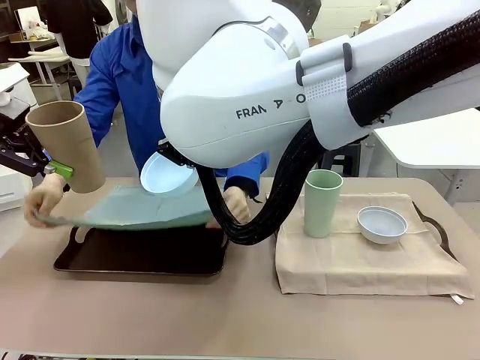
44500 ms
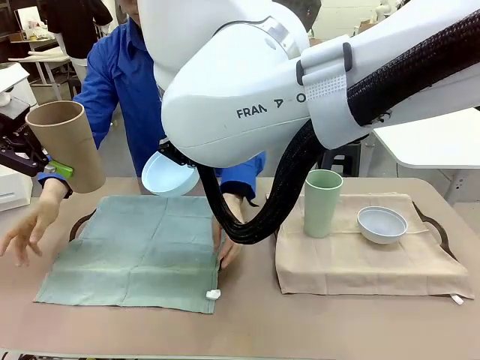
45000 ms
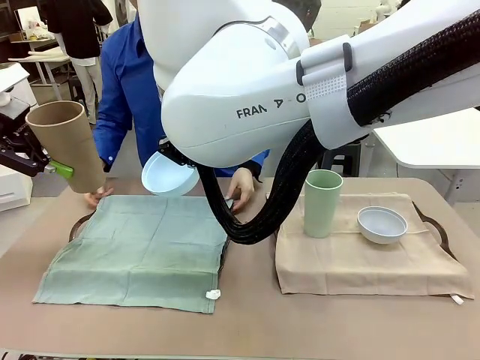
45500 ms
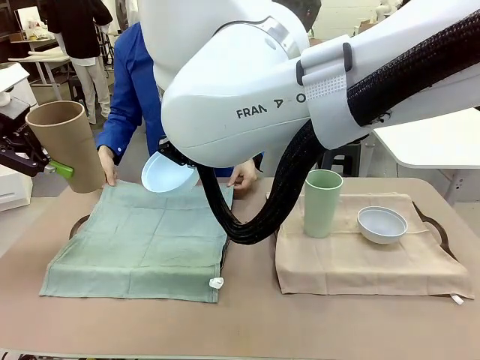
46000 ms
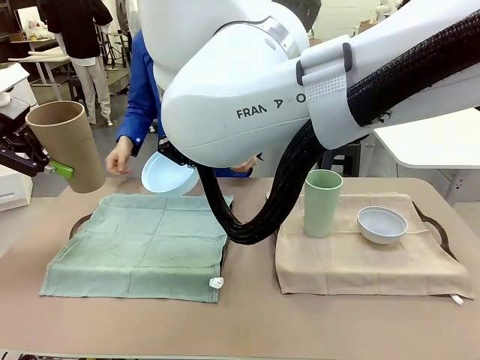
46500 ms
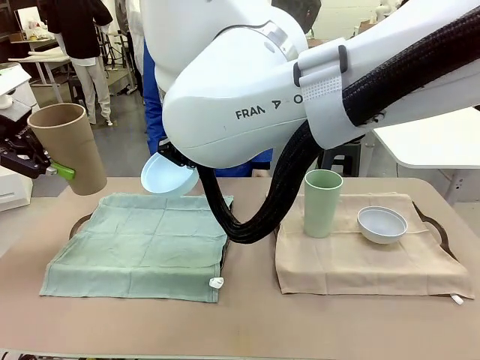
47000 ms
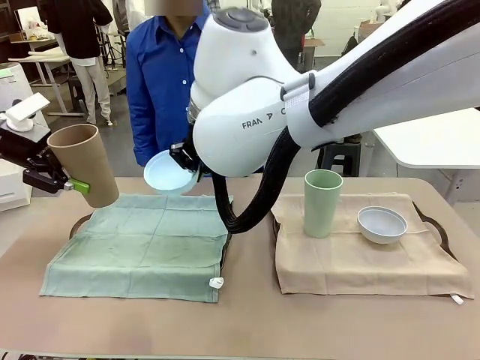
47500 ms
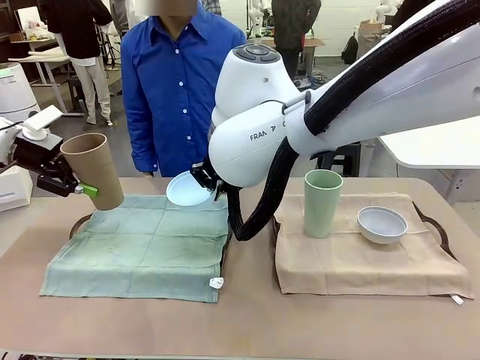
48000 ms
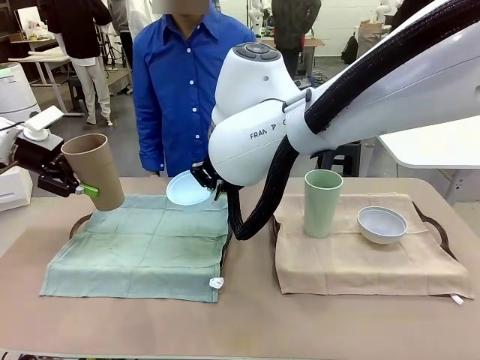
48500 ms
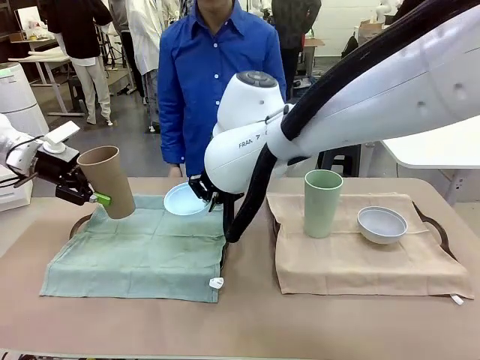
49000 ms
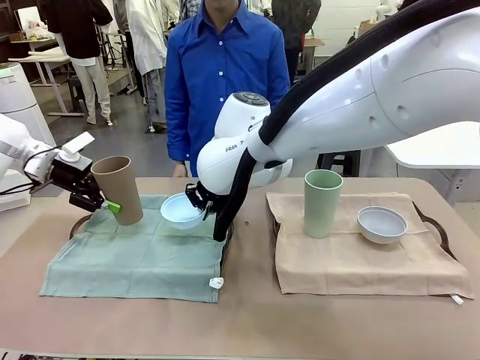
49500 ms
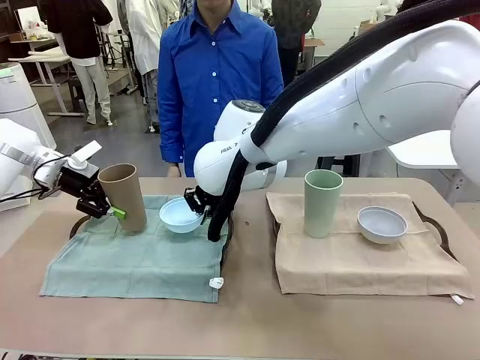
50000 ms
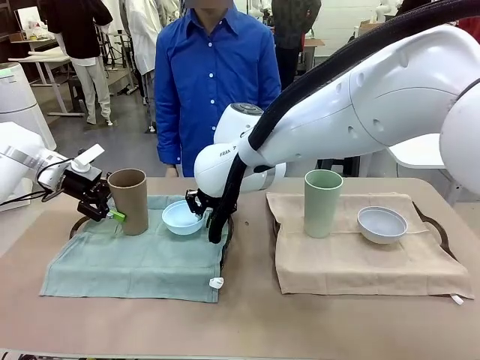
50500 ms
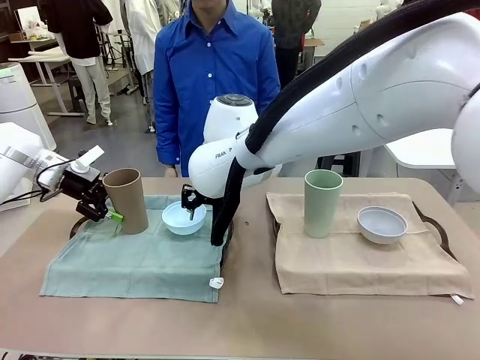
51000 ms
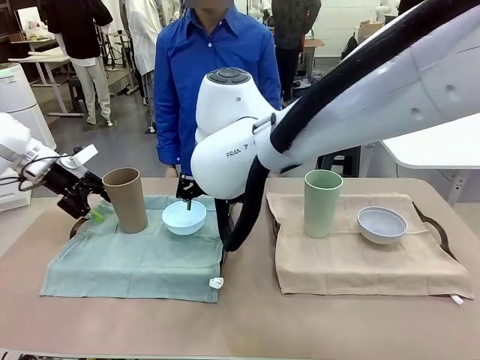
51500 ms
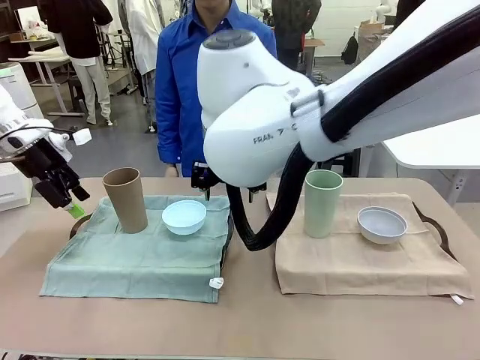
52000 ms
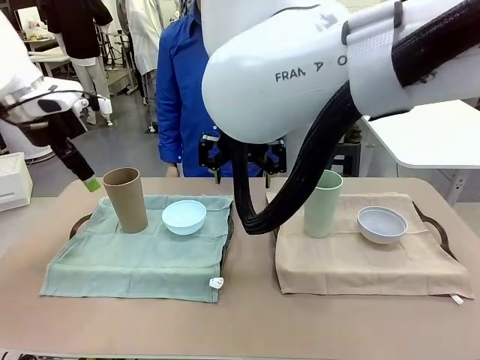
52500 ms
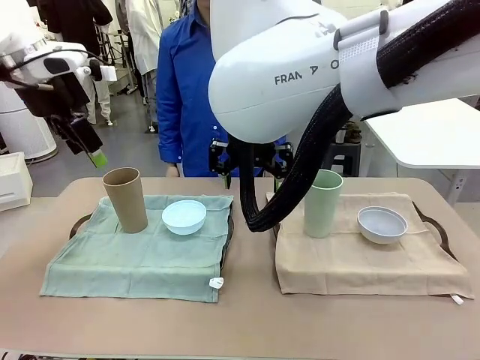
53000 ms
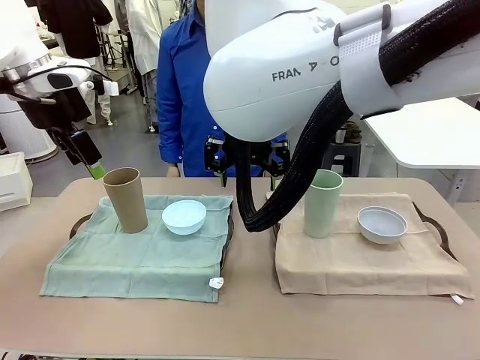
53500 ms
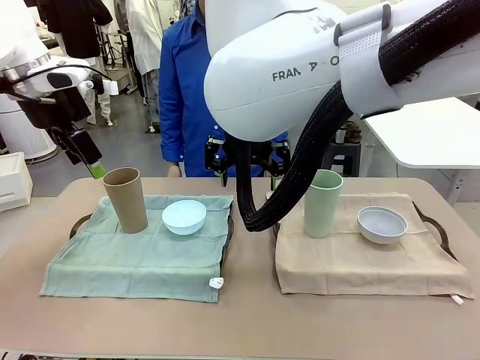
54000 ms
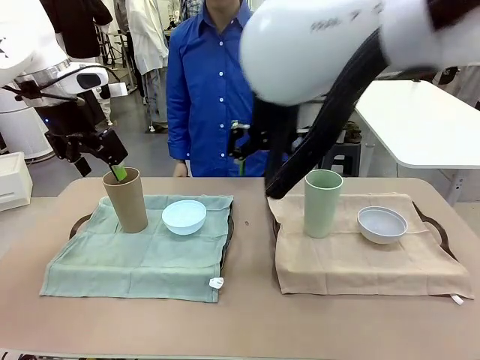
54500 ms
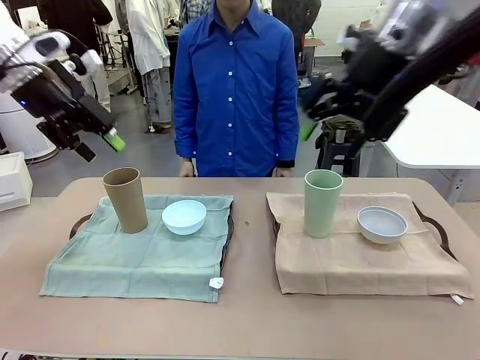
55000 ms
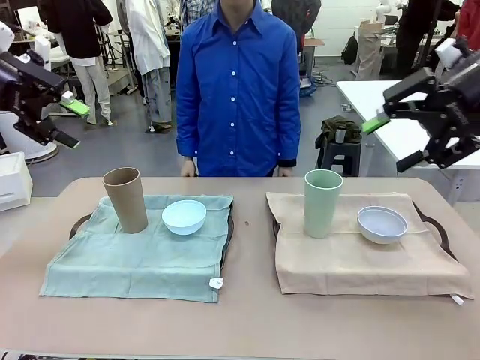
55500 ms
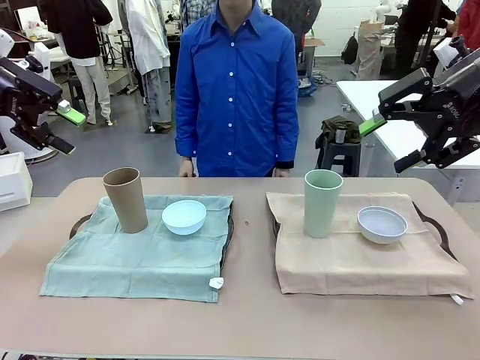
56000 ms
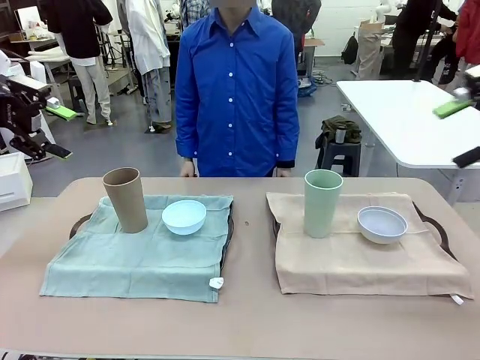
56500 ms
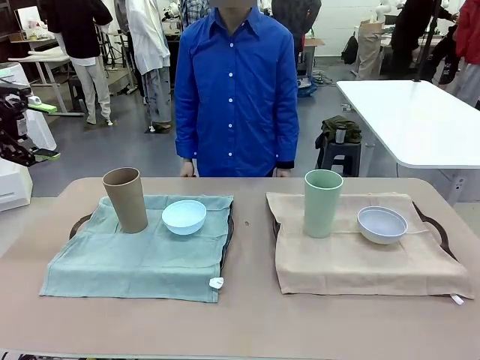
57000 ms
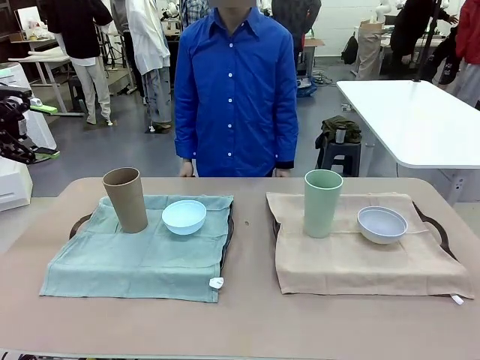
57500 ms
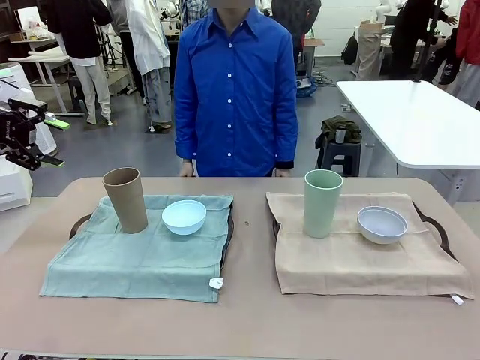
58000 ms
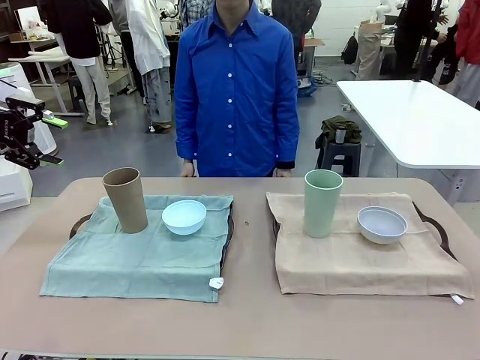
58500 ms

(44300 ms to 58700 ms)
Robot: Place the Picnic Bowl and Reusable plastic cup back onto the Handle tray in front of the human's position.
Person: When the robot lifts the bowl and the cup, the human unfolds the napkin and lays the napkin flat on the tray.
